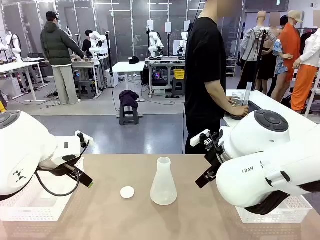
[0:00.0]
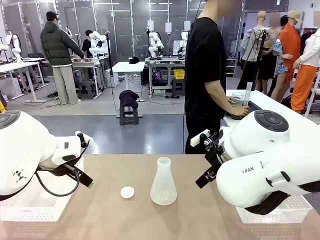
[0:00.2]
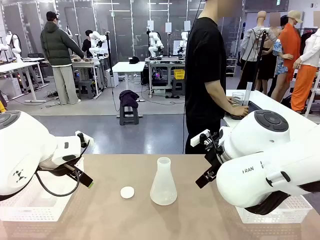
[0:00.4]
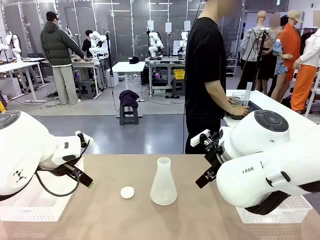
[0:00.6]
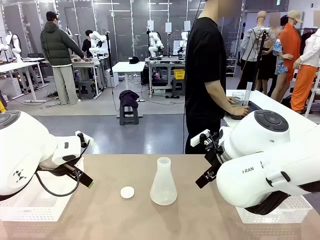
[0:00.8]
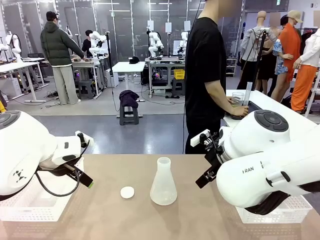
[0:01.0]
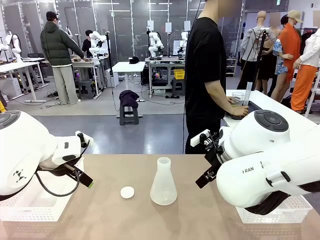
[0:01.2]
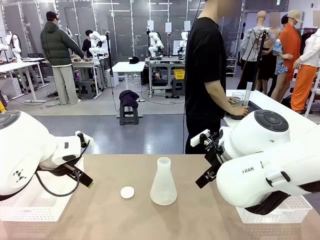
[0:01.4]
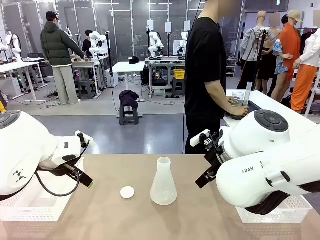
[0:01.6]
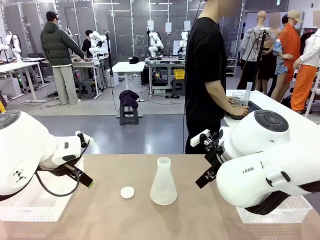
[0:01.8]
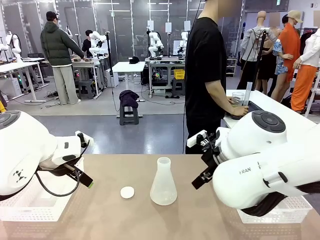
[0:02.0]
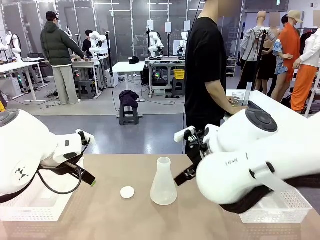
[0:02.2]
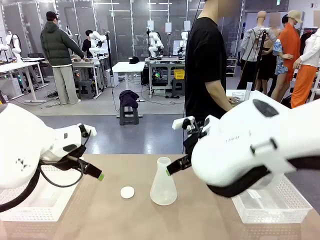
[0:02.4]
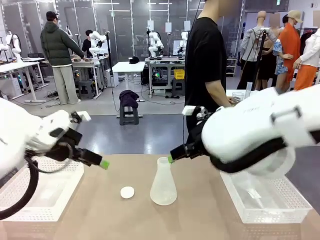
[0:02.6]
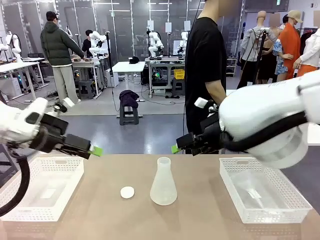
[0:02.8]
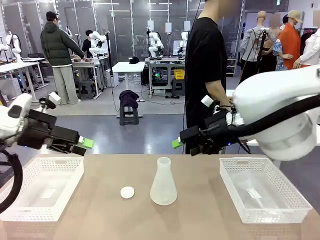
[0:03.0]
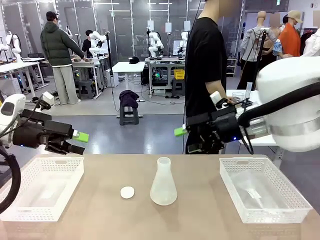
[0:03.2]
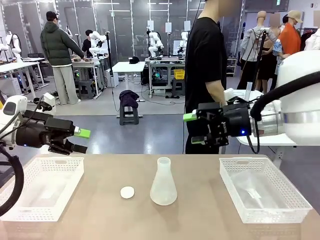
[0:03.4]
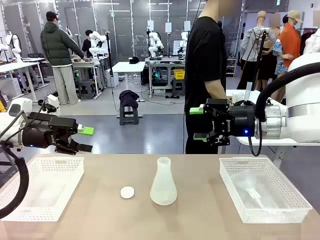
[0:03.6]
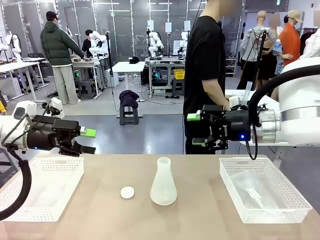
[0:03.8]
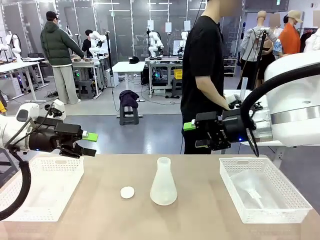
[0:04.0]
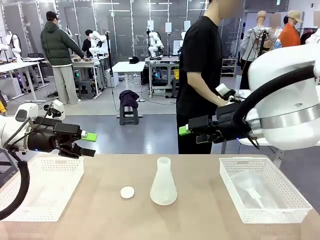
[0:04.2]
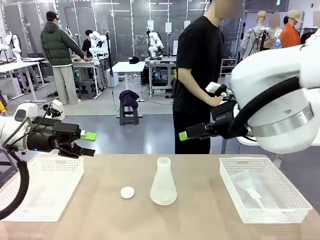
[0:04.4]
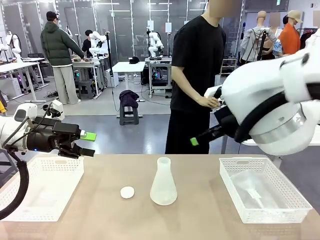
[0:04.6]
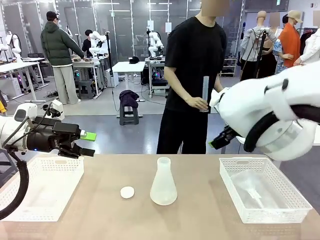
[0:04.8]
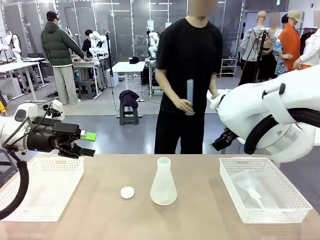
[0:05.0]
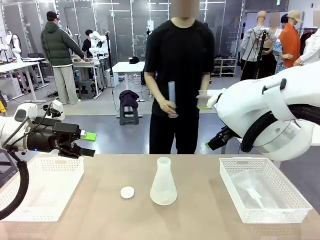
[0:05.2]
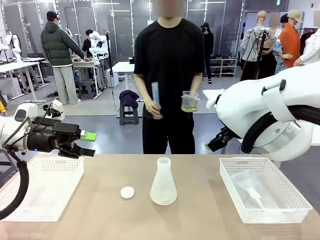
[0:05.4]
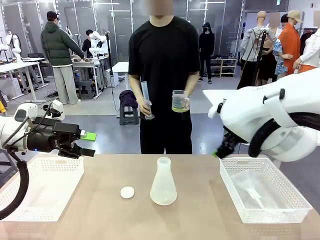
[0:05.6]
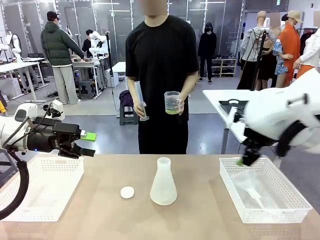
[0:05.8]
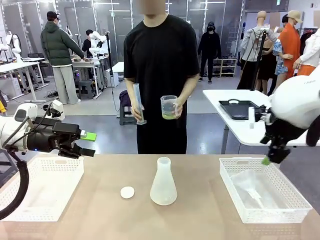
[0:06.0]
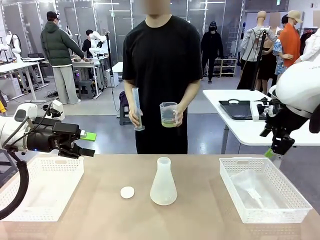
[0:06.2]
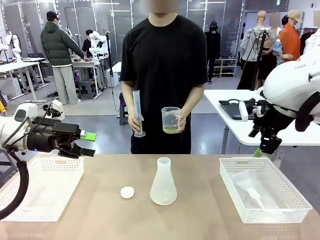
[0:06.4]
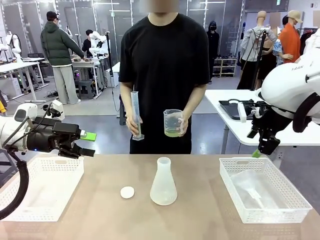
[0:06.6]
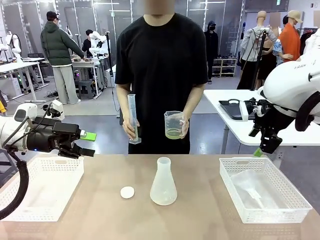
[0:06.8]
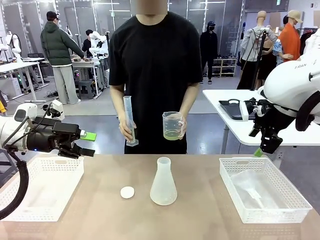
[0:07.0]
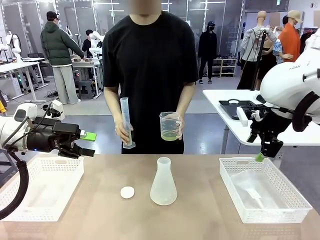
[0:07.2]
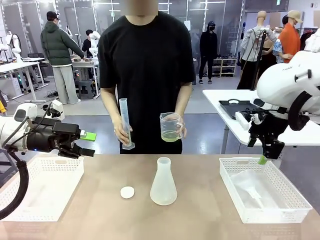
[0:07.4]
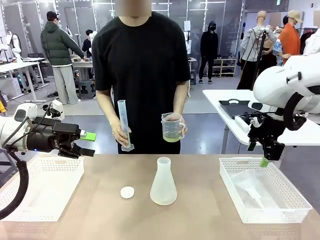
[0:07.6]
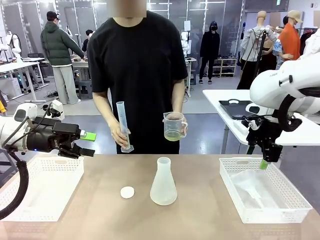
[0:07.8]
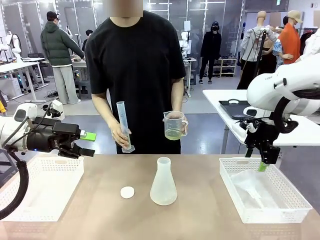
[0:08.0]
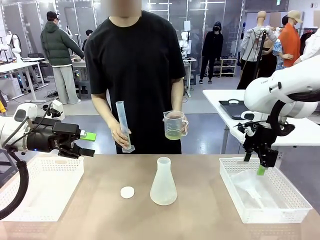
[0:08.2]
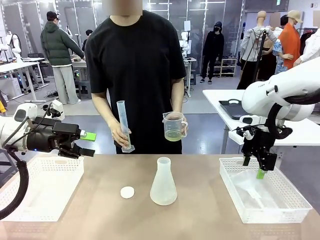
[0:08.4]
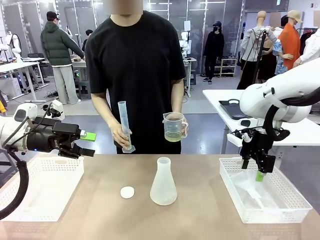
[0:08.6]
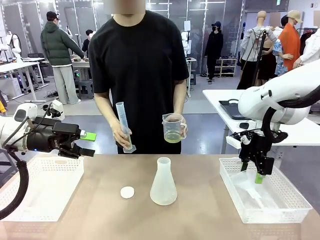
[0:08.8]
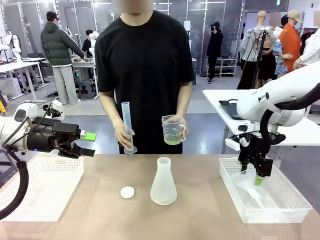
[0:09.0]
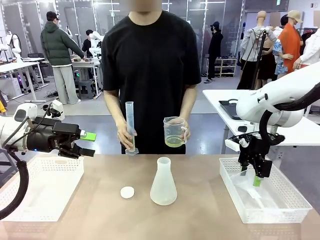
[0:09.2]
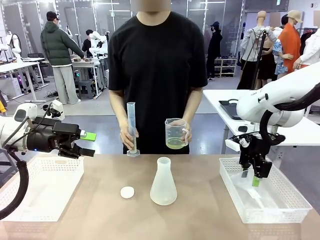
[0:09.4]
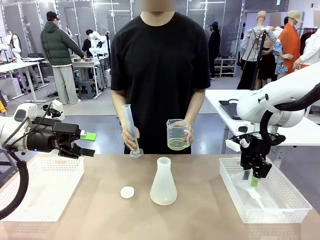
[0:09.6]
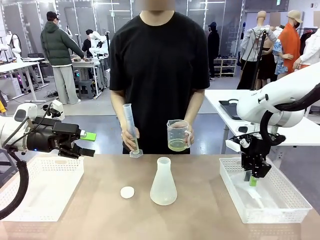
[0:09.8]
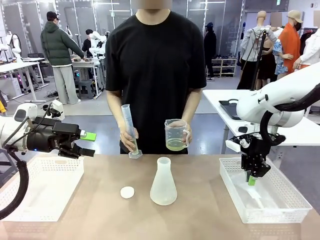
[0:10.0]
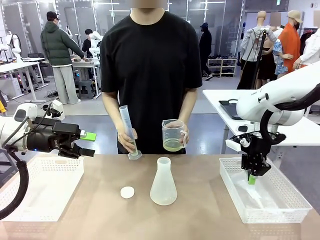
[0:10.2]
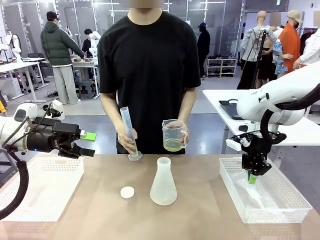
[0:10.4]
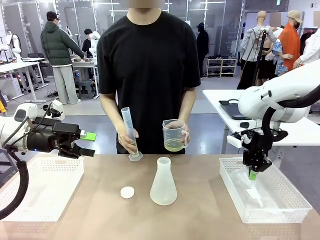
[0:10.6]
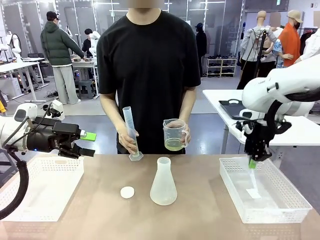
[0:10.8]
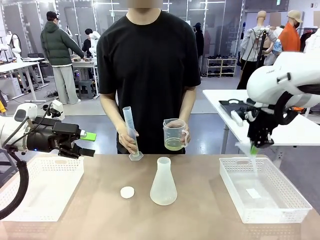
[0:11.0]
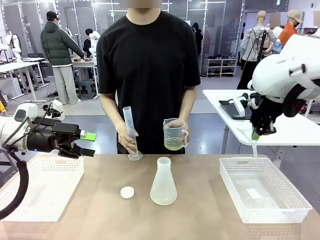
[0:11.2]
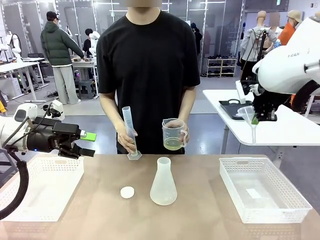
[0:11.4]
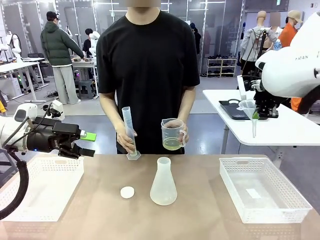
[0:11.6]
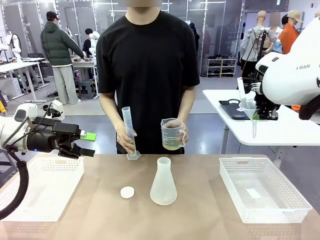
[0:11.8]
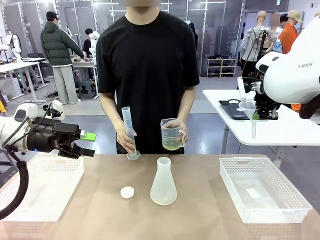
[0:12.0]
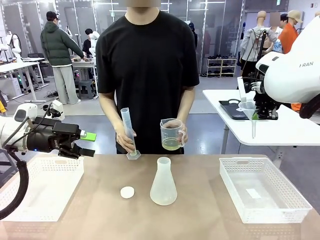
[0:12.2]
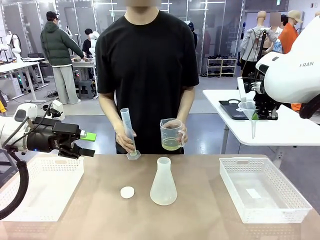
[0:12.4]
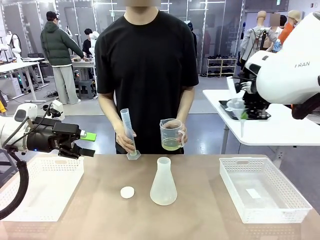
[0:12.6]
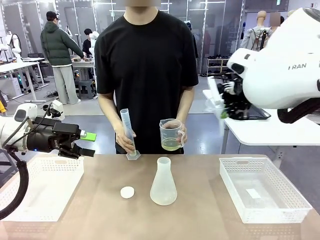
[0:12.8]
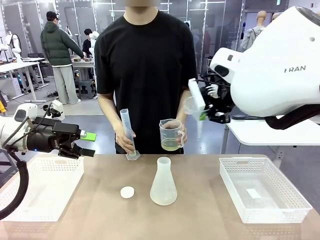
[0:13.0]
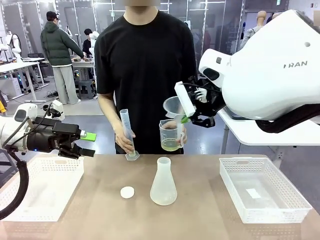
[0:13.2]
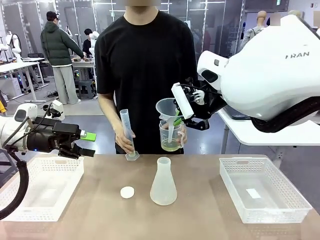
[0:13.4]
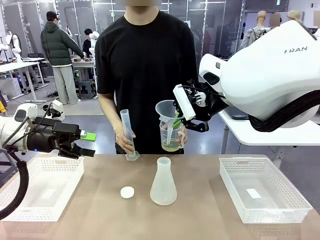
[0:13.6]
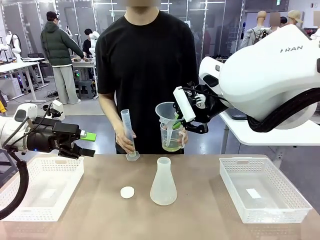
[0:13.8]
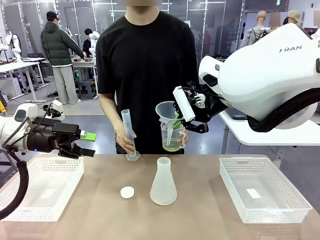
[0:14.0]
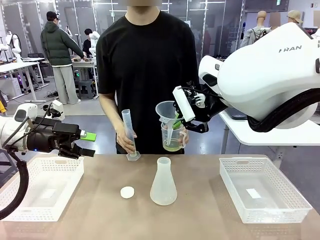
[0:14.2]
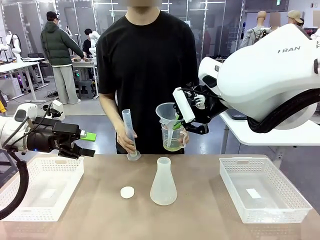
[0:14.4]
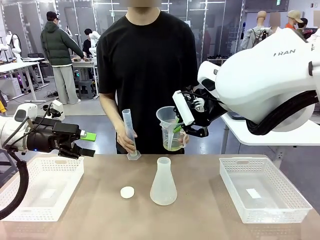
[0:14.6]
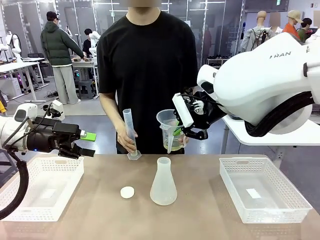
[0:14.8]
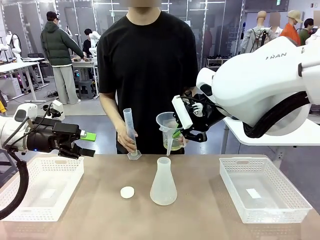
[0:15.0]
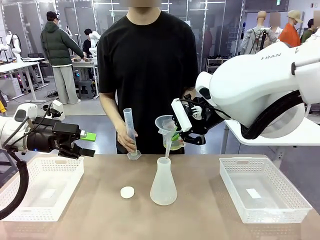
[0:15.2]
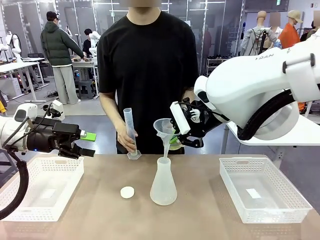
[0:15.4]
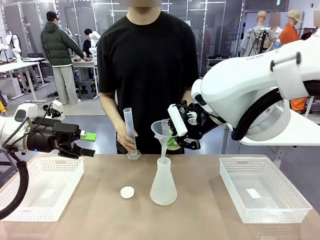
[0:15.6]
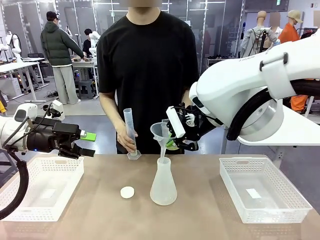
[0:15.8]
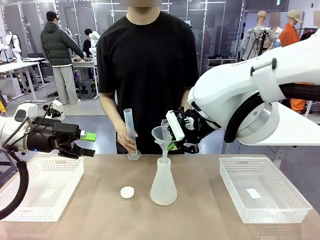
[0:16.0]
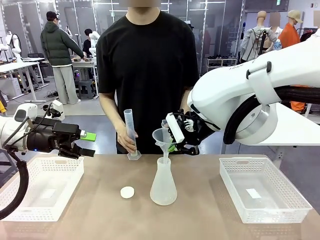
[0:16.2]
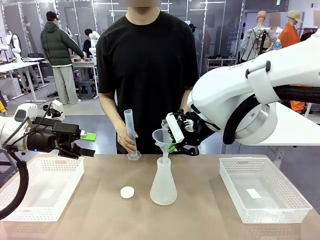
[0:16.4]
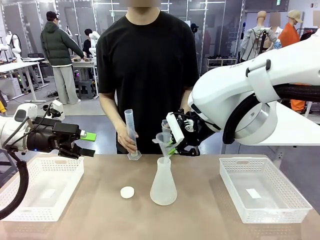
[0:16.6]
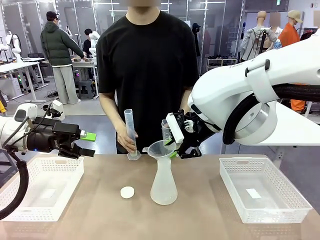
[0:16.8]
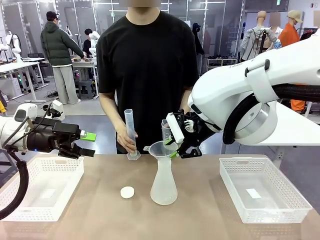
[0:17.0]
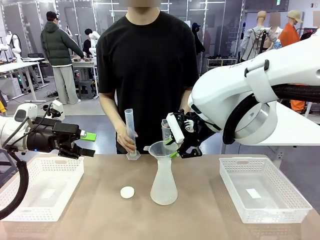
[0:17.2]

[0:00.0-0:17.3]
Task: Prepare the solutions needed for the experiment.
Robot: Pick up the Plastic Funnel and insert it into the Big flask.
Person: Pick up the beaker and the cylinder and move to the middle of the robot table. Pour the solution from the beaker and the cylinder into the flask.
